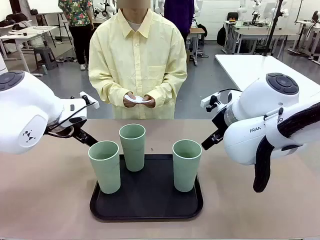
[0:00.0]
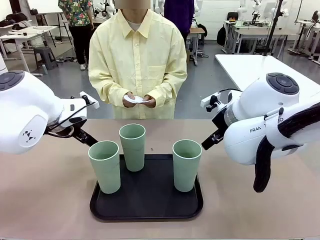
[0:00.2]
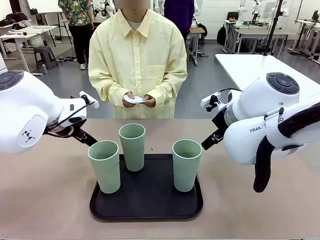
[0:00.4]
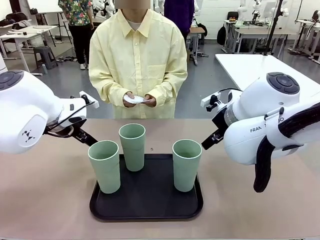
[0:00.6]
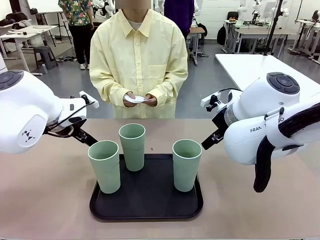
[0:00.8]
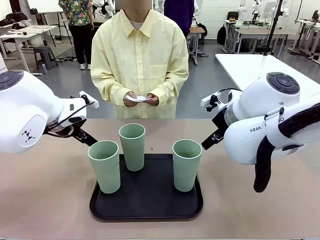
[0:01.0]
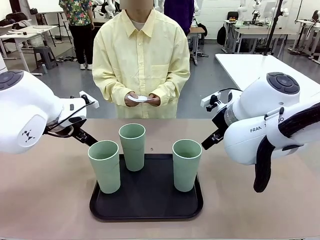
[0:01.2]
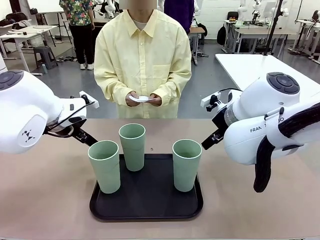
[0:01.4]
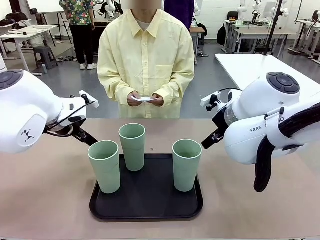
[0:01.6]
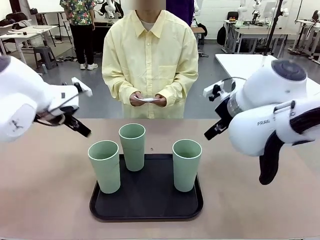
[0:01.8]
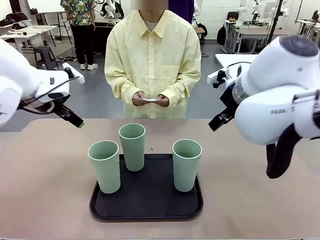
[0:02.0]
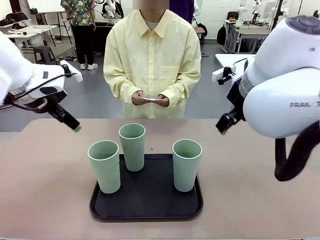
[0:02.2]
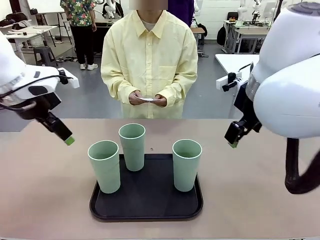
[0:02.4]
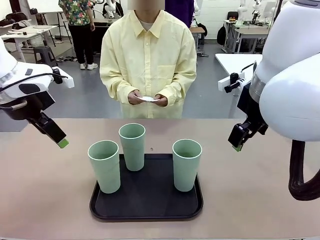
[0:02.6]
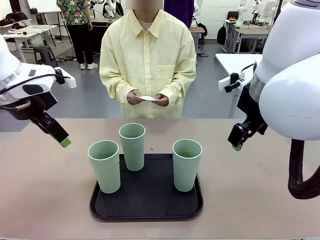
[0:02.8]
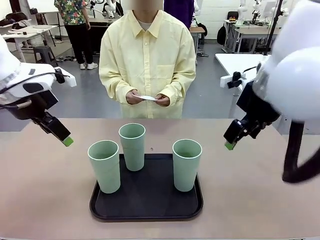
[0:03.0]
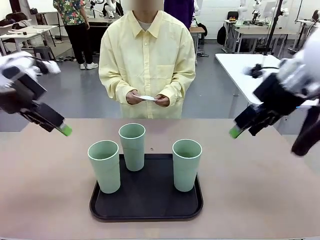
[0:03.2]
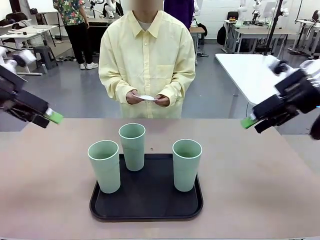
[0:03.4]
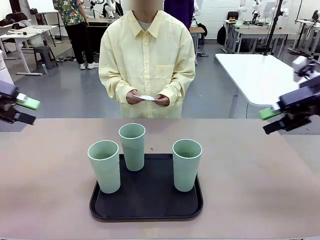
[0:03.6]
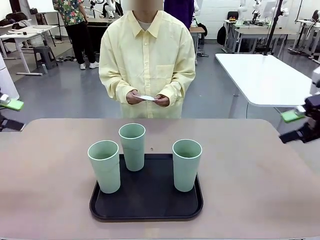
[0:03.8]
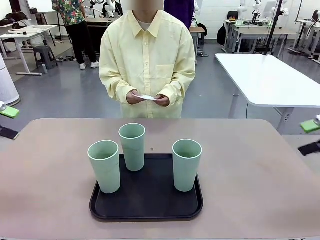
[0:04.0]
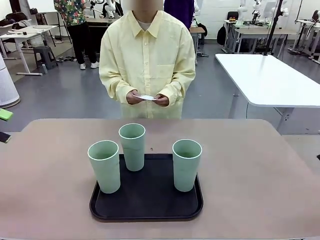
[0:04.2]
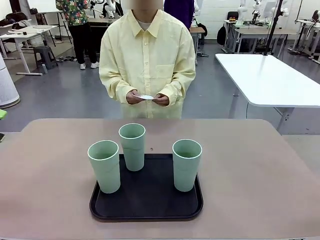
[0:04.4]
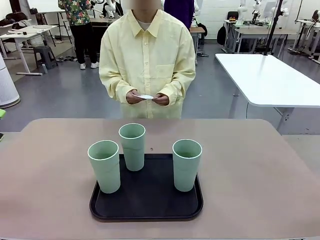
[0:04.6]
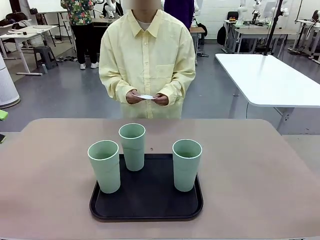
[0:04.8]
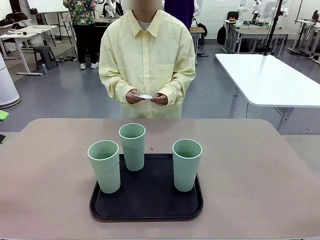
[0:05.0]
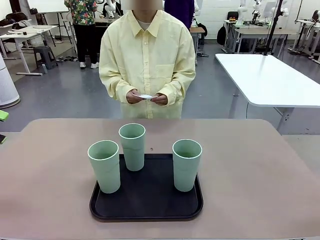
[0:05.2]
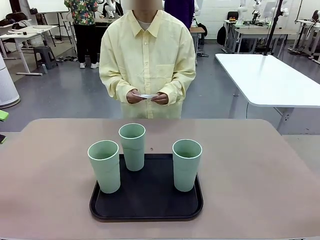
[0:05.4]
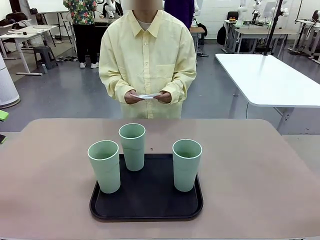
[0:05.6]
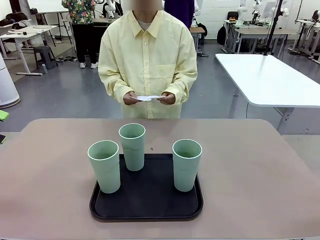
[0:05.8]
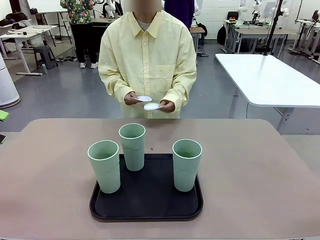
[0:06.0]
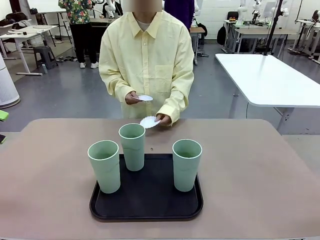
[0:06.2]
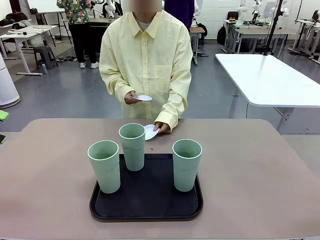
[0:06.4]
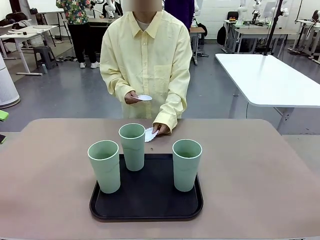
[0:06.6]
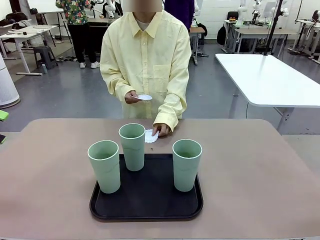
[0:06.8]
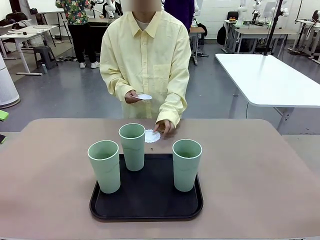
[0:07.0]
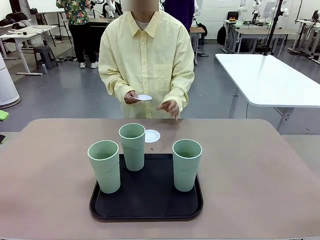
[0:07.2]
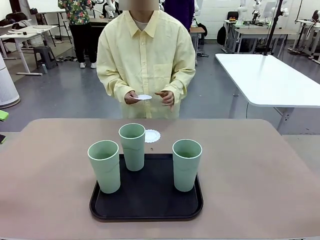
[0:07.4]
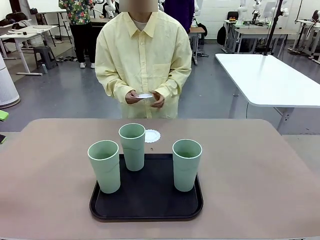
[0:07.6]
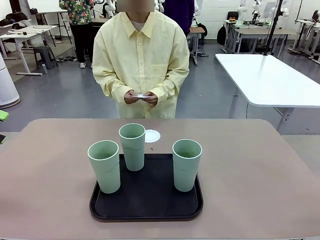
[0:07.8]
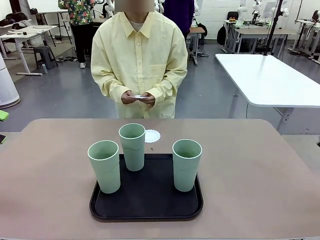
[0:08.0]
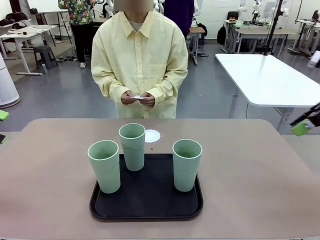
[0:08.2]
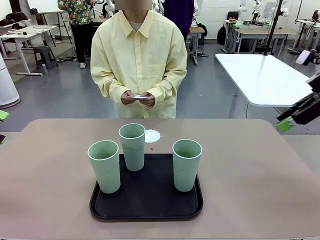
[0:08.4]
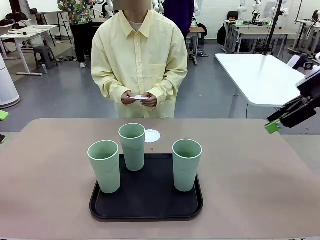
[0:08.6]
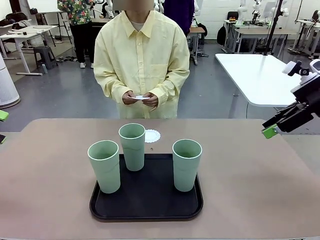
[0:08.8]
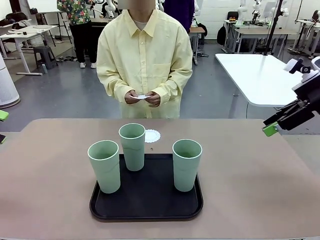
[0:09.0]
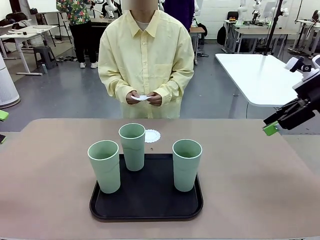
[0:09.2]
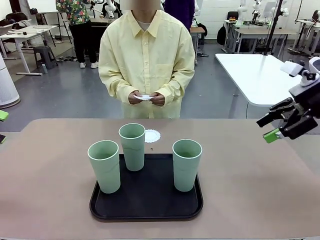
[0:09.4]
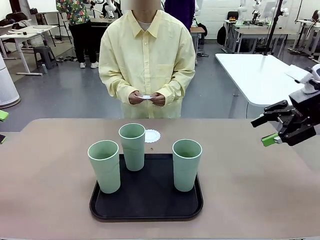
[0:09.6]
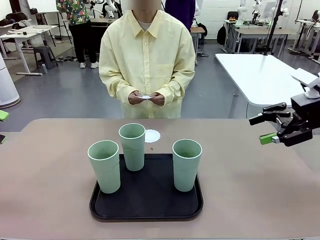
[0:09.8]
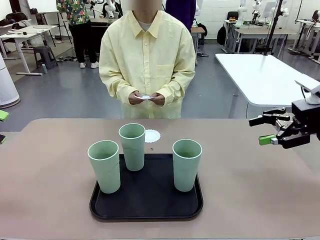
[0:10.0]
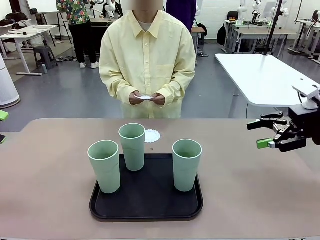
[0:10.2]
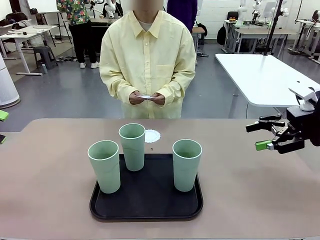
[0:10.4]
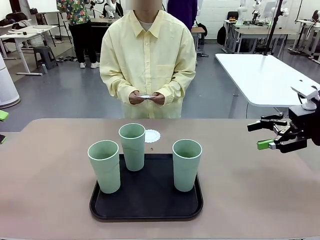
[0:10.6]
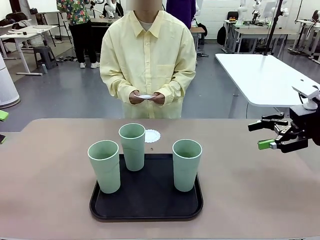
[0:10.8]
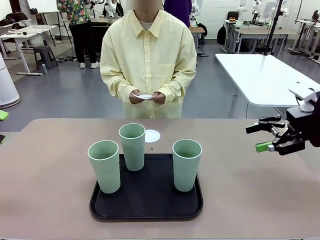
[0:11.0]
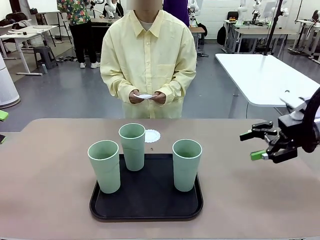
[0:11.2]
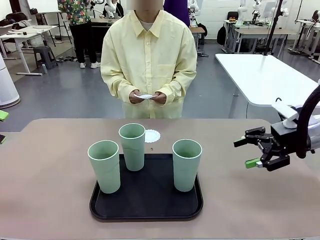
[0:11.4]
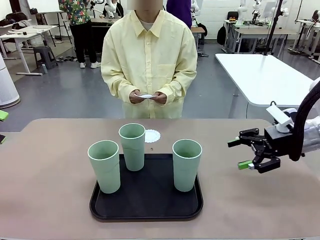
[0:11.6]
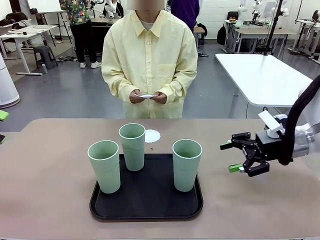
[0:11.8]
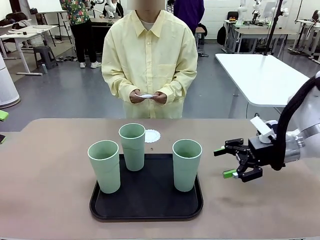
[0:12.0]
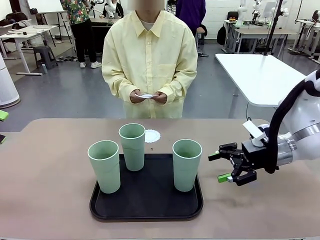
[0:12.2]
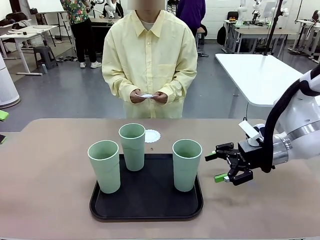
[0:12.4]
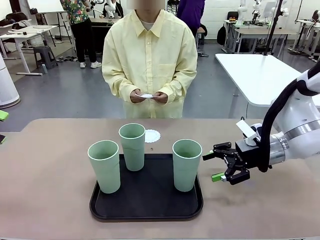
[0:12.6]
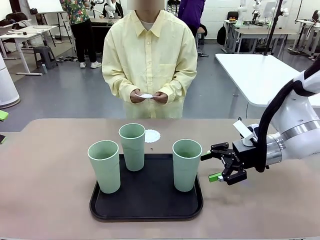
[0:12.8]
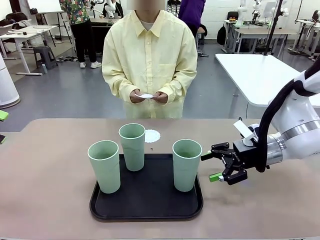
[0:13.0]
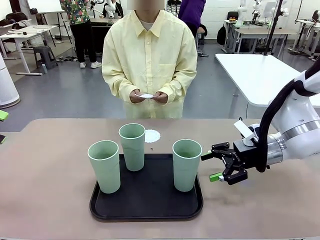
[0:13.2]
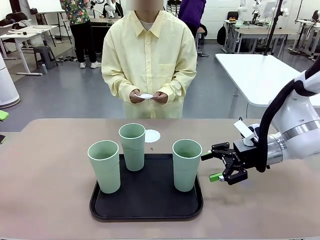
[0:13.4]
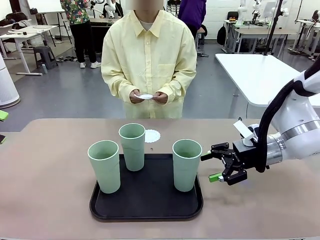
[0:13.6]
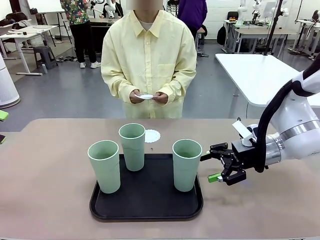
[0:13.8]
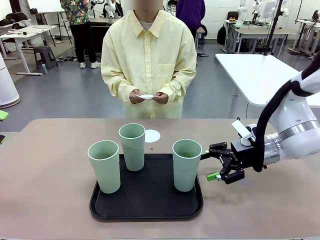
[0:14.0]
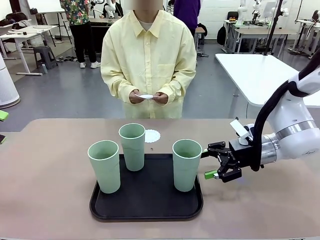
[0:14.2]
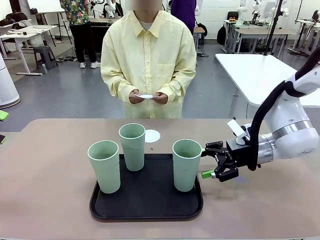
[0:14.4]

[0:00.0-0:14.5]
Task: Place coasters on the table and set cups on them.
Robot: Pick up one Reusable plastic cup and place it on a coaster set by the human.
Person: Place one coaster in any one of the three lower areas of the robot table (left, center, or right).
